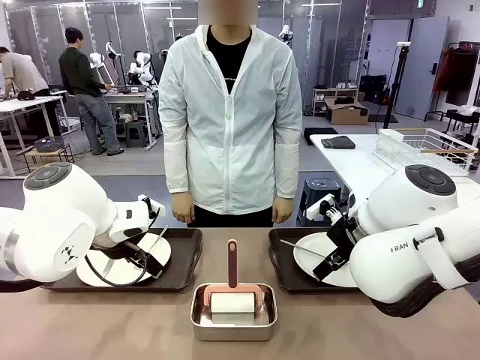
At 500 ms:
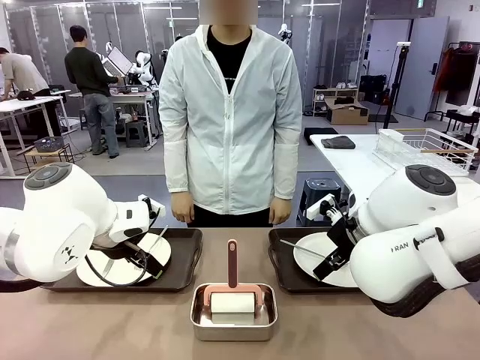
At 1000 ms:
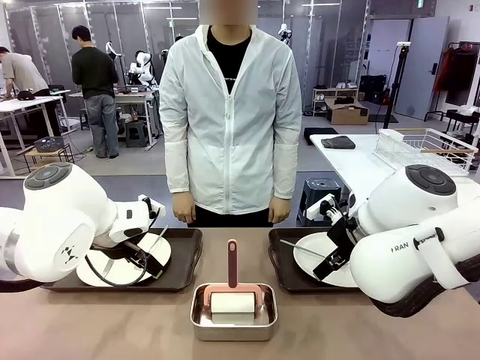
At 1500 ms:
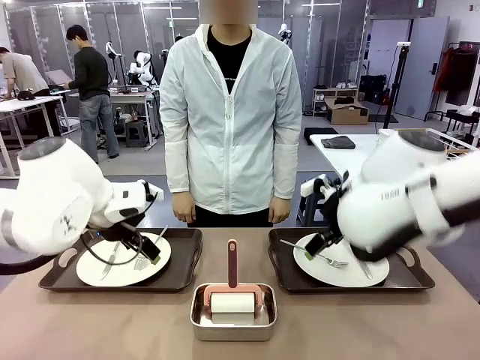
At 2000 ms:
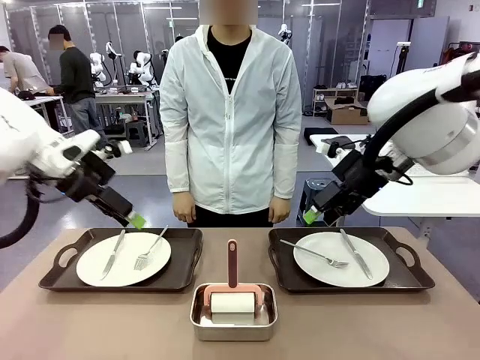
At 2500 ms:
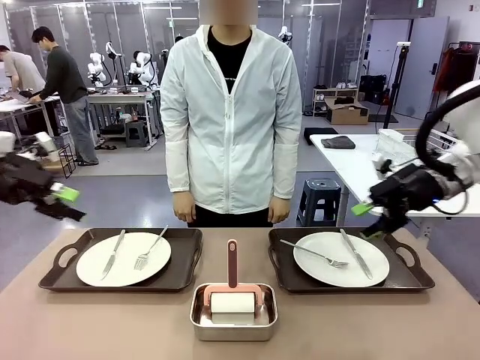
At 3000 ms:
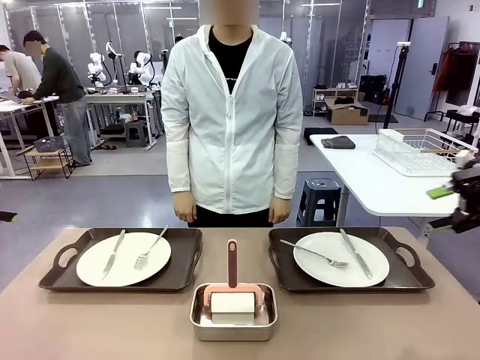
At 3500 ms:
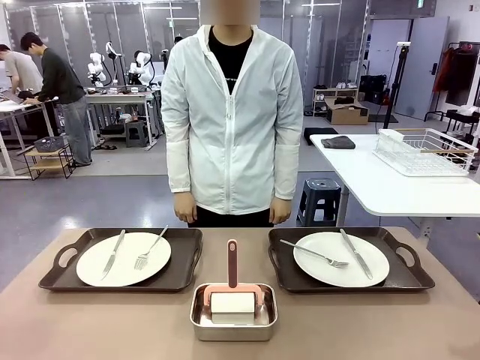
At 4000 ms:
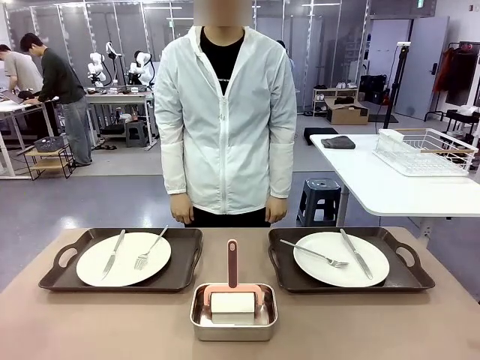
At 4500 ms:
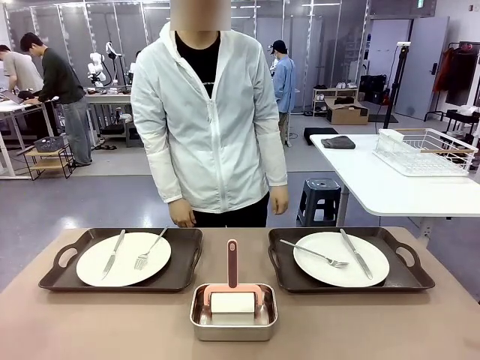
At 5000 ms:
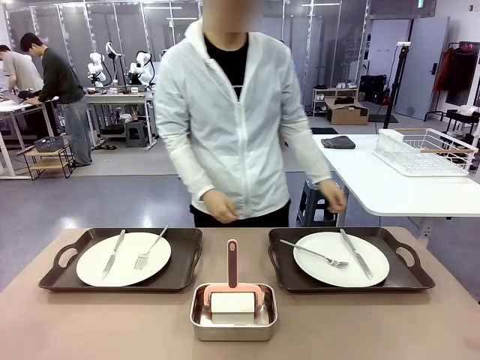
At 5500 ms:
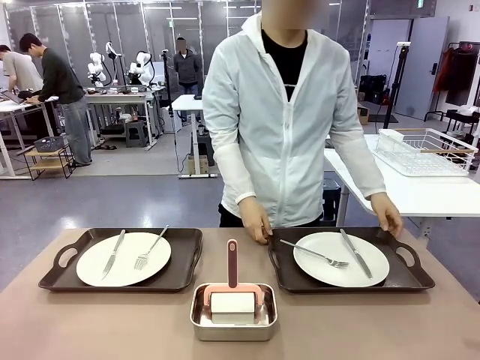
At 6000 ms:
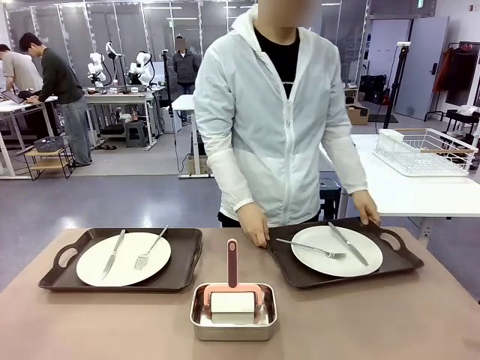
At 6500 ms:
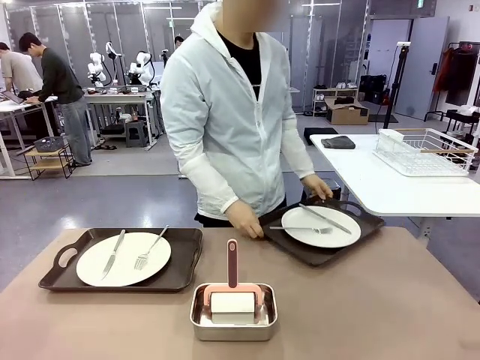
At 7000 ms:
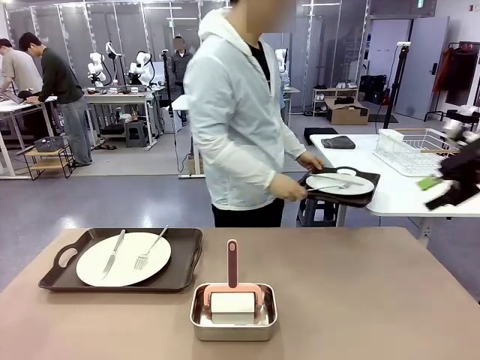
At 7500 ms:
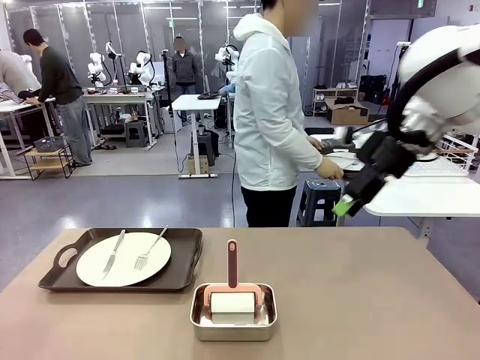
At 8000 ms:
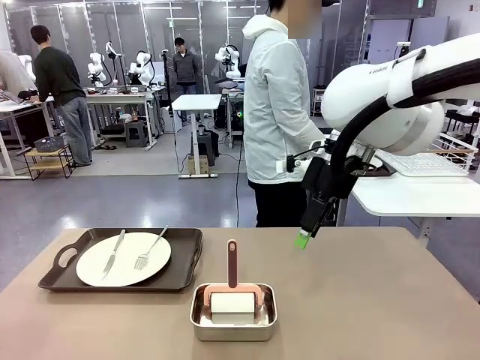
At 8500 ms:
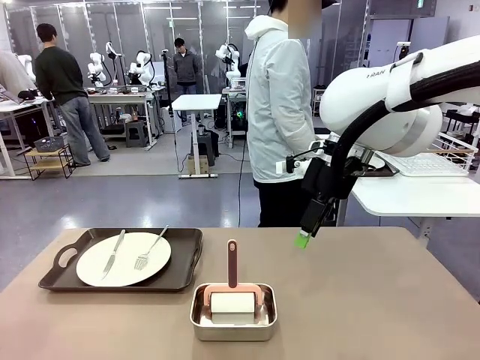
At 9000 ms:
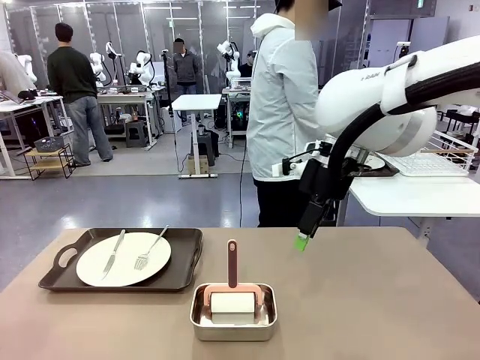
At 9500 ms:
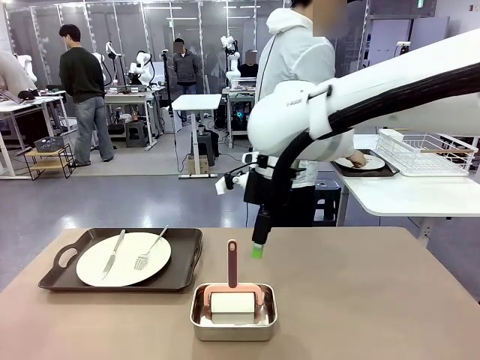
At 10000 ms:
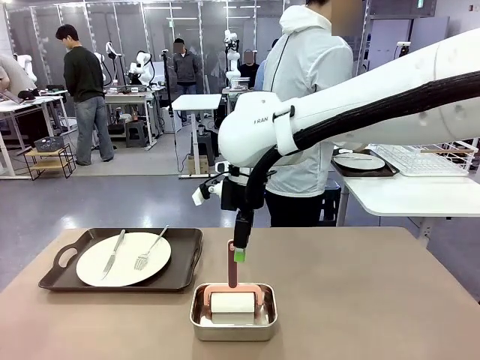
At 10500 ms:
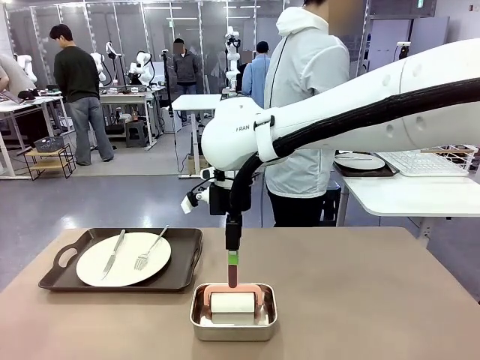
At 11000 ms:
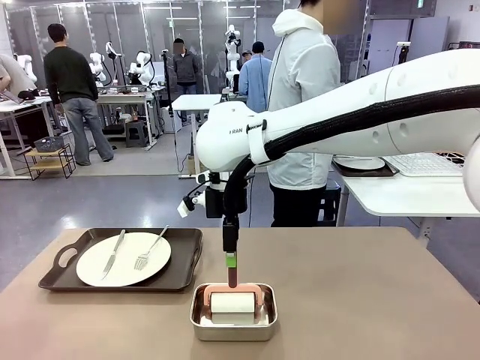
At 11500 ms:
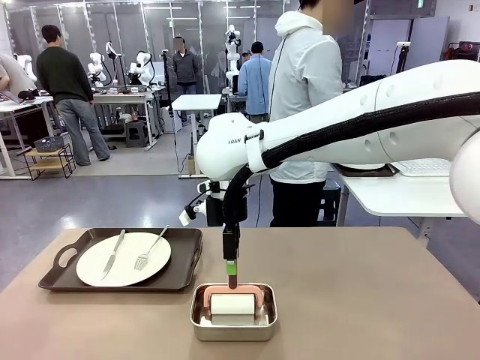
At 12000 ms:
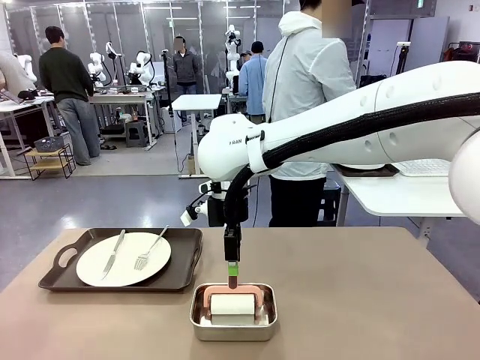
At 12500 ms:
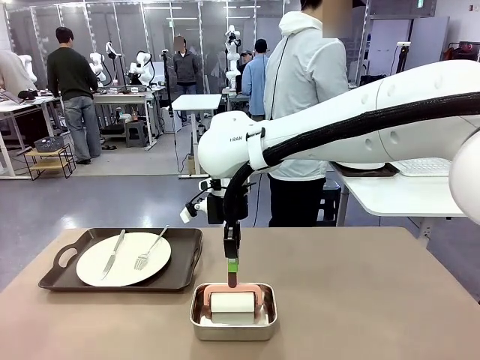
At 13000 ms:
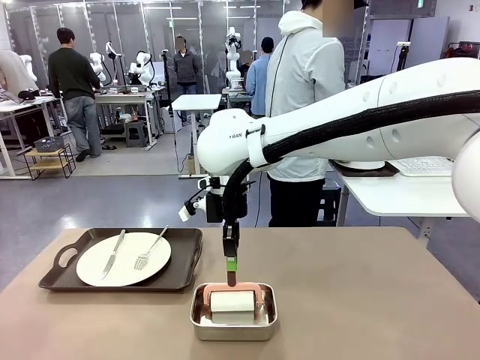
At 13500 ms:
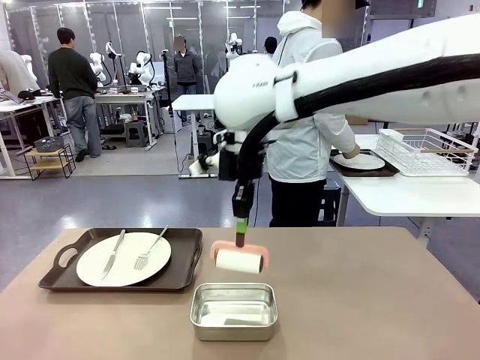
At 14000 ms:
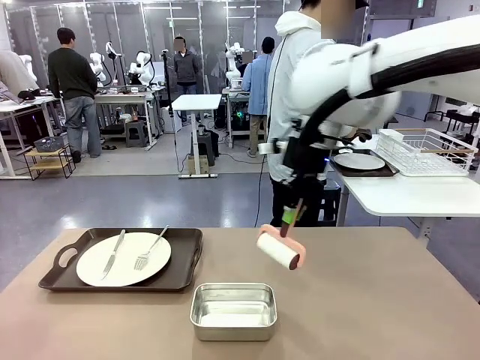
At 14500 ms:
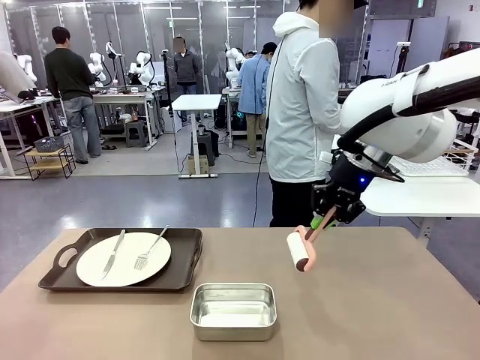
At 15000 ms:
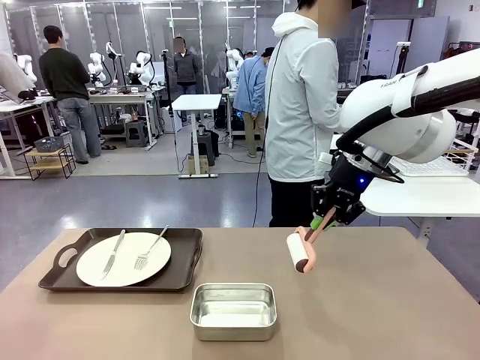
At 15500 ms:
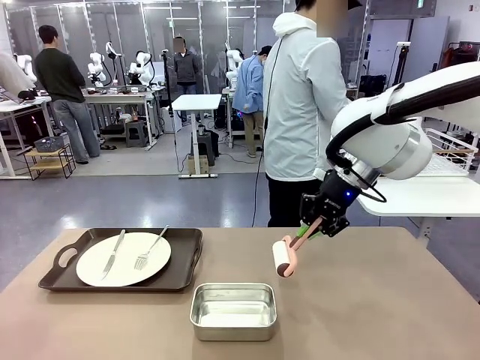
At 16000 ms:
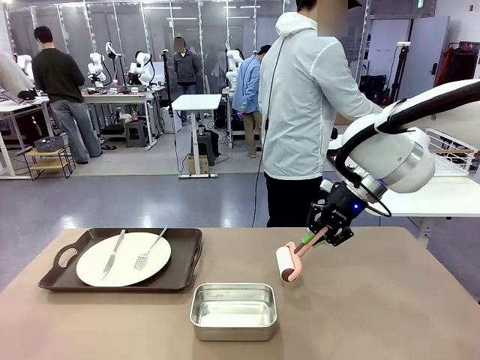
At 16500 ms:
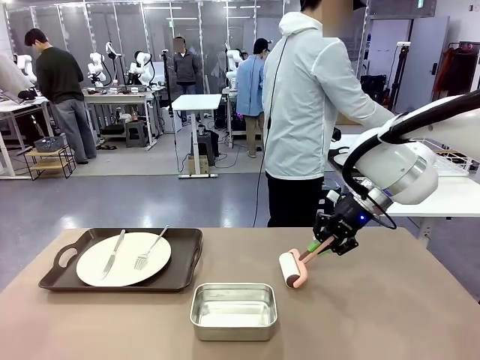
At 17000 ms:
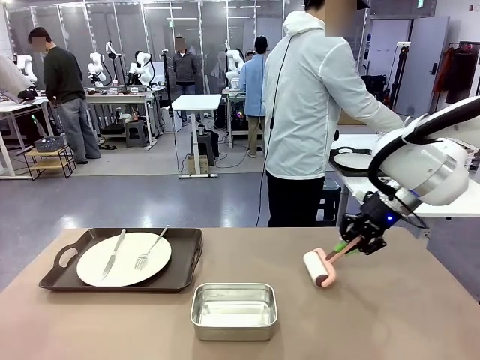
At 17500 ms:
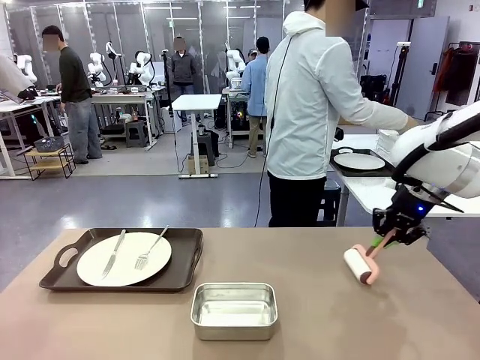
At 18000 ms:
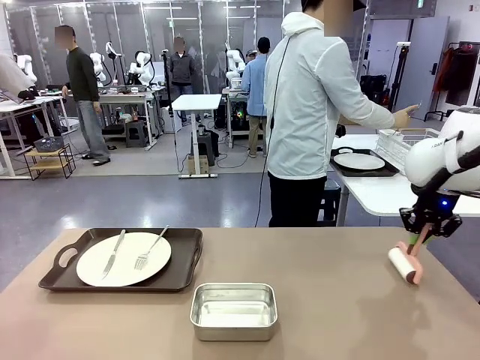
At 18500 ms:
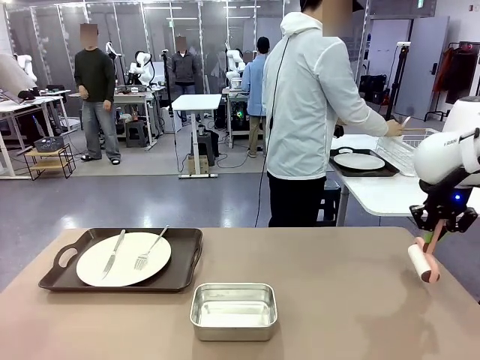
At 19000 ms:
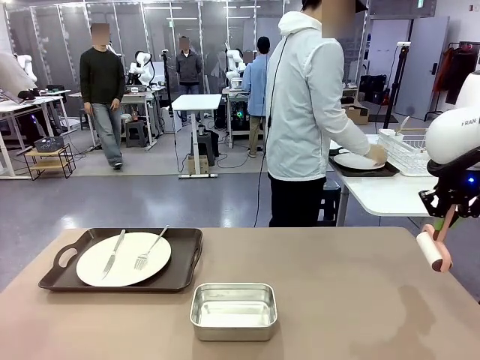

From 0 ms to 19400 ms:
Robot: When the left (or right) Handle tray is removed, use the left hand (or right hand) to clean the left (or right) side of the table with the Lint Roller.
Person: Pick up the left (or right) Handle tray and place it on the middle of the Human's table. Use the Towel with hook to wipe the Plastic Matte Plate , Fork , and Knife and place into the Dish drying rack.

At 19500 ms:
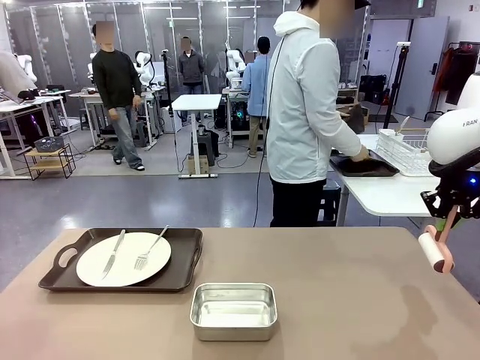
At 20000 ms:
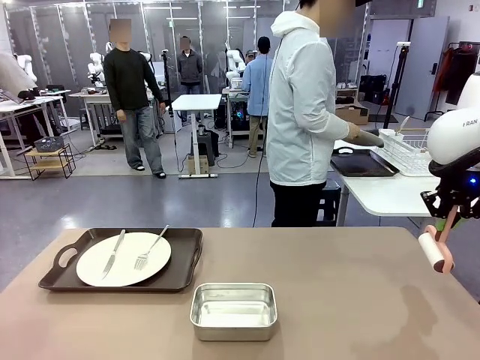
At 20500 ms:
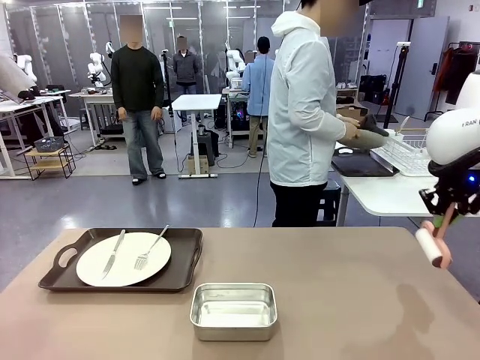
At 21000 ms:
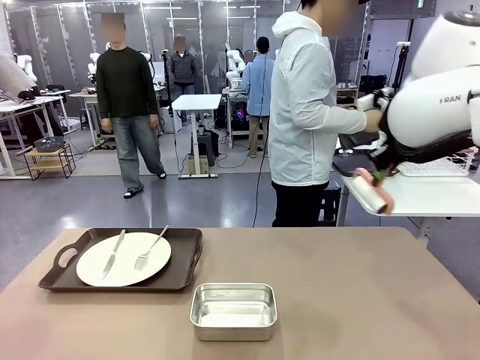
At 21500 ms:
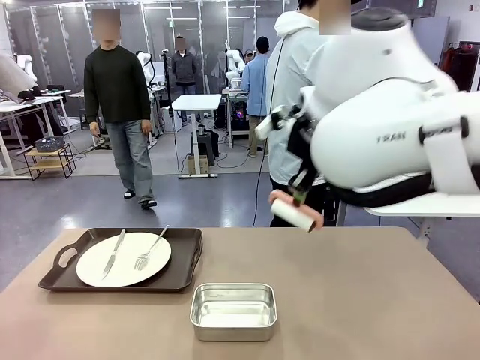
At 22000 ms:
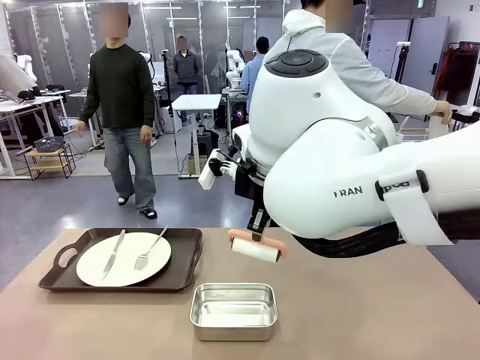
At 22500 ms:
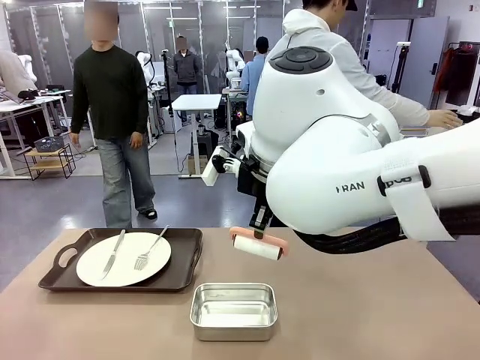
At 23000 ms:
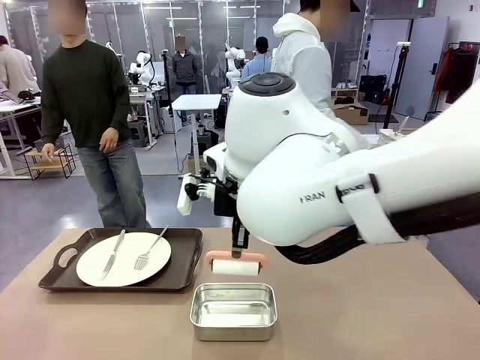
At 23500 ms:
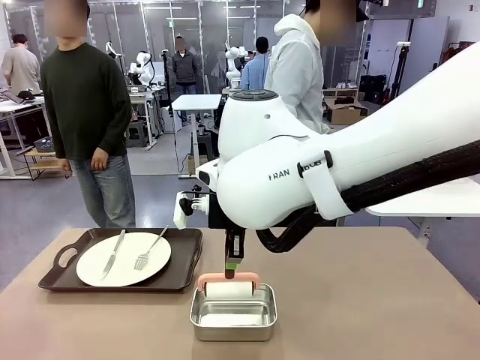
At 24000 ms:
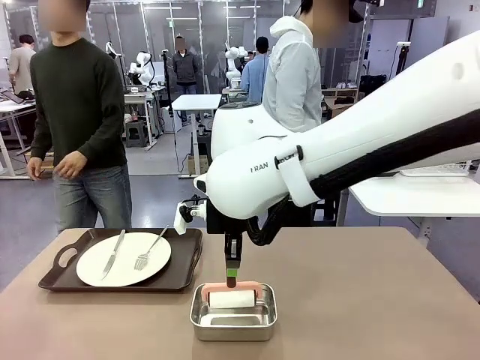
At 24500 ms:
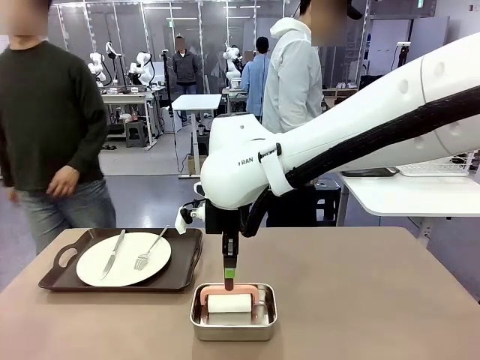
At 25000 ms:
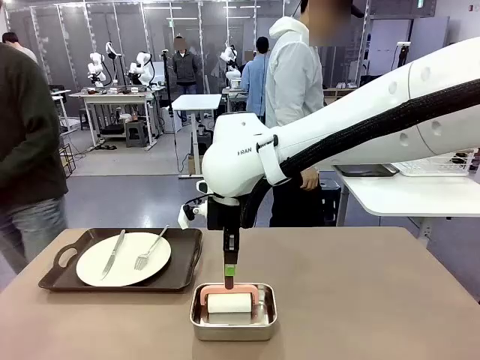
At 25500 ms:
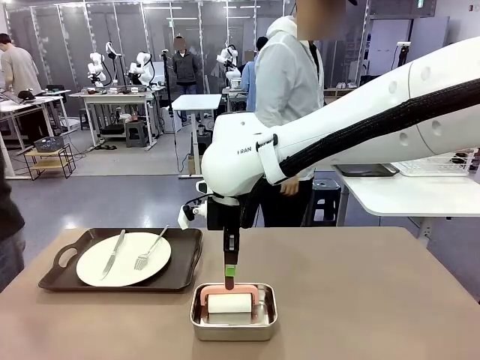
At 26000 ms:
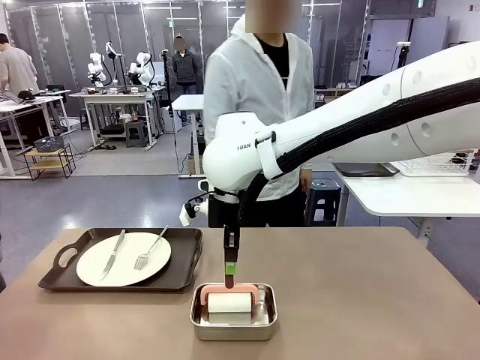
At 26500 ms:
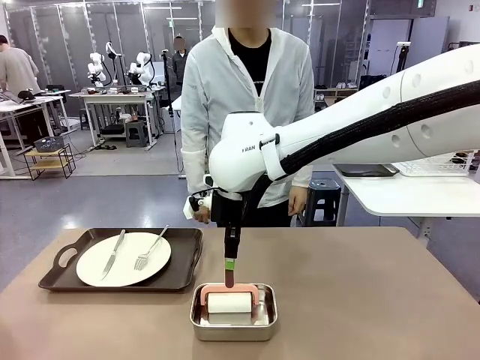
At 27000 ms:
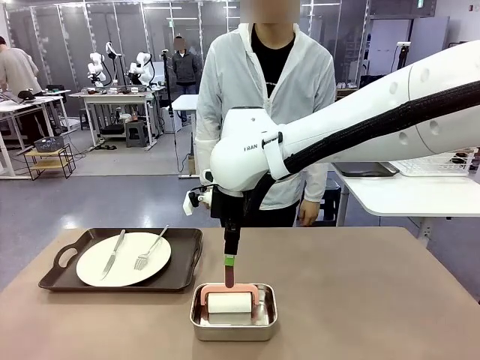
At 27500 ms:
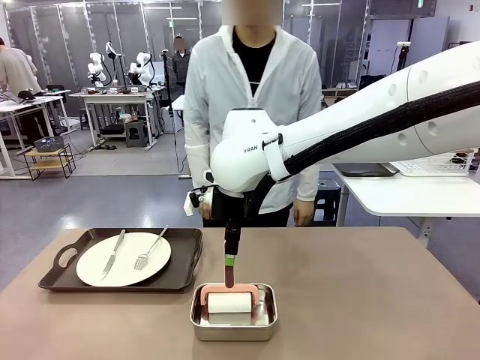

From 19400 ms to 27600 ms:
Robot: Place the Lint Roller back on top of the Airtight Container.
